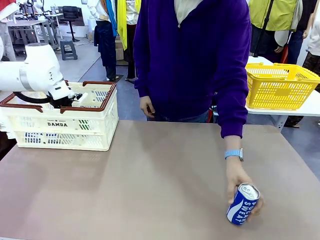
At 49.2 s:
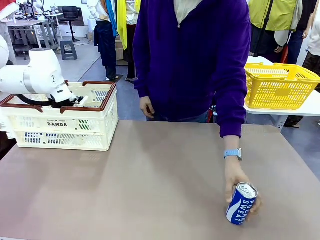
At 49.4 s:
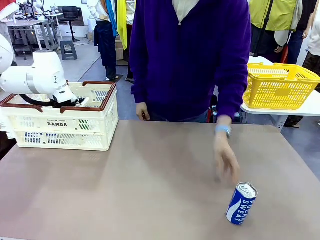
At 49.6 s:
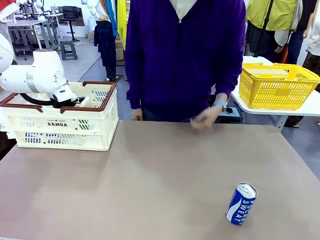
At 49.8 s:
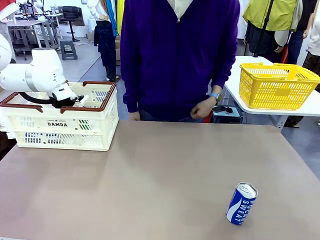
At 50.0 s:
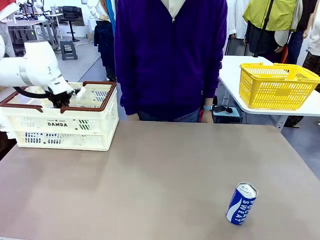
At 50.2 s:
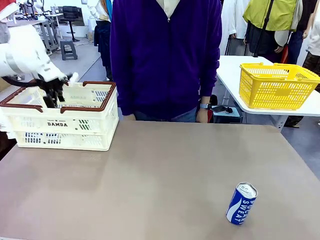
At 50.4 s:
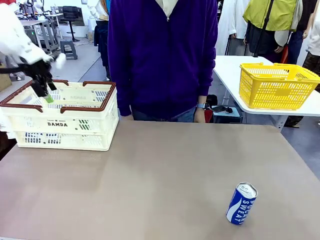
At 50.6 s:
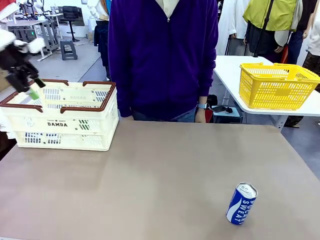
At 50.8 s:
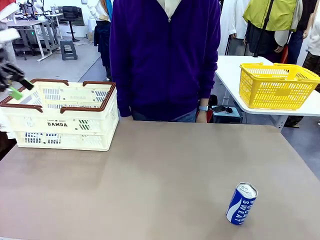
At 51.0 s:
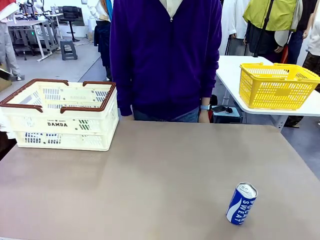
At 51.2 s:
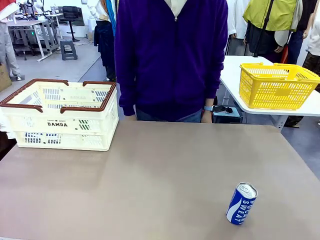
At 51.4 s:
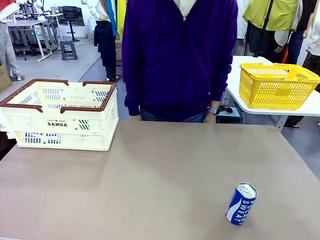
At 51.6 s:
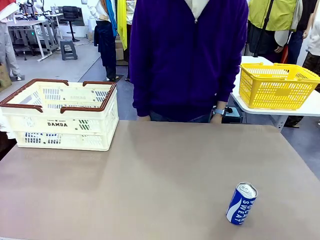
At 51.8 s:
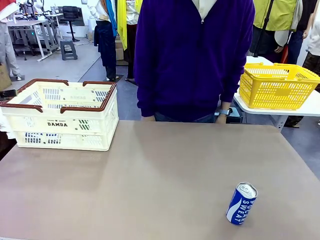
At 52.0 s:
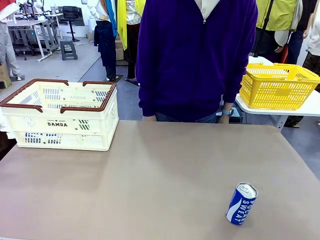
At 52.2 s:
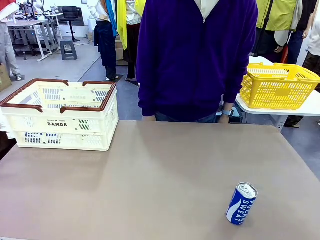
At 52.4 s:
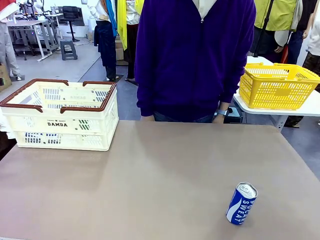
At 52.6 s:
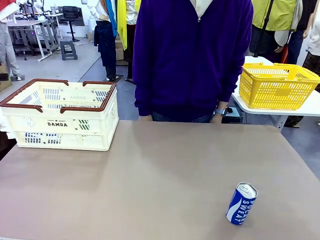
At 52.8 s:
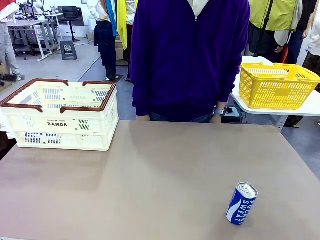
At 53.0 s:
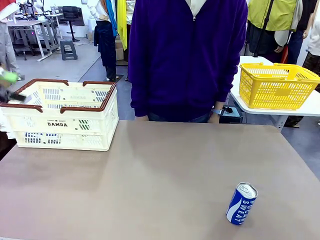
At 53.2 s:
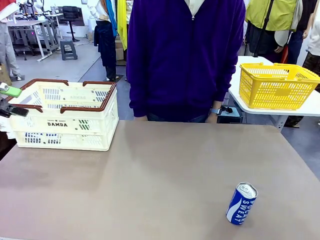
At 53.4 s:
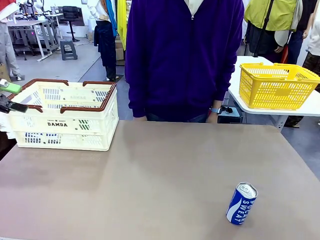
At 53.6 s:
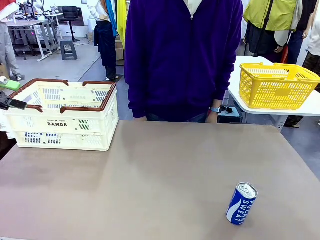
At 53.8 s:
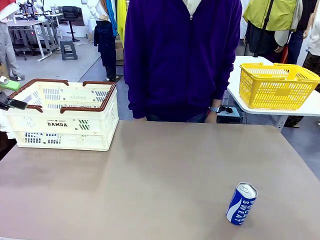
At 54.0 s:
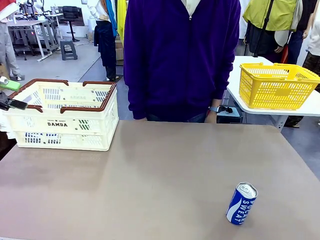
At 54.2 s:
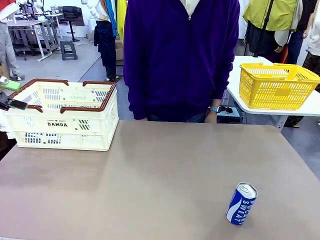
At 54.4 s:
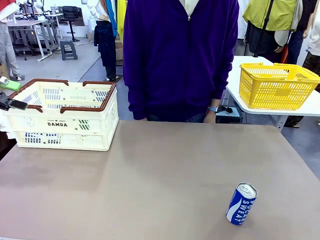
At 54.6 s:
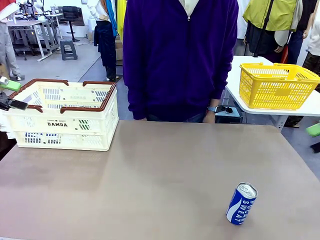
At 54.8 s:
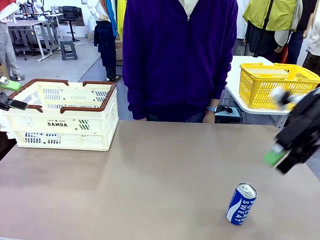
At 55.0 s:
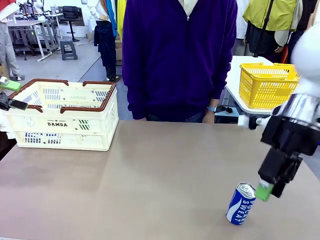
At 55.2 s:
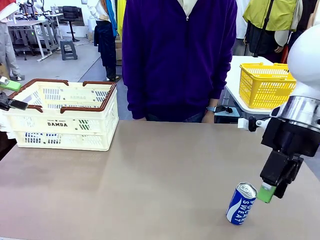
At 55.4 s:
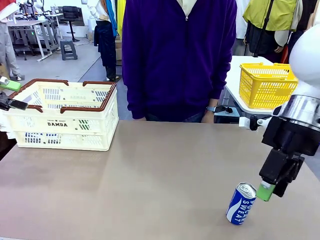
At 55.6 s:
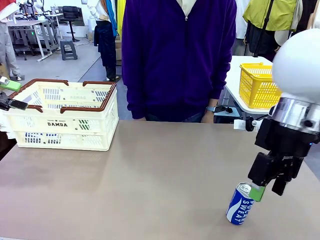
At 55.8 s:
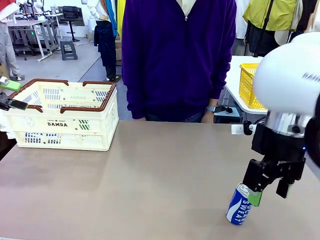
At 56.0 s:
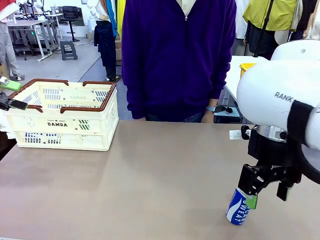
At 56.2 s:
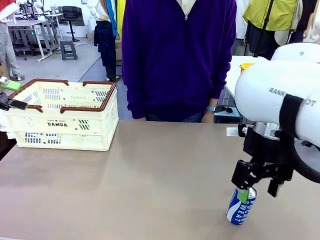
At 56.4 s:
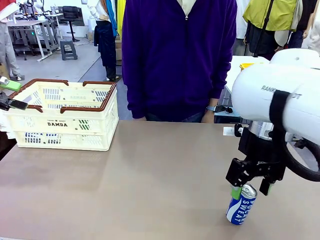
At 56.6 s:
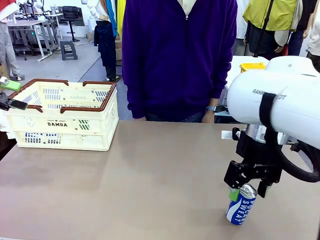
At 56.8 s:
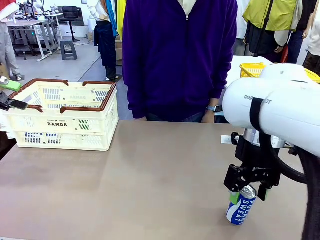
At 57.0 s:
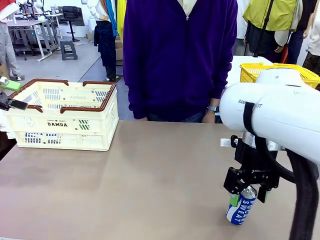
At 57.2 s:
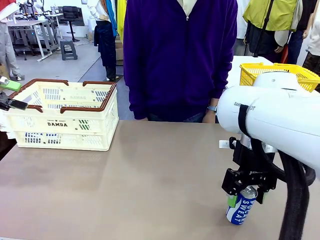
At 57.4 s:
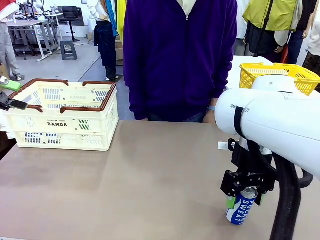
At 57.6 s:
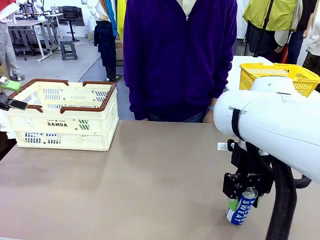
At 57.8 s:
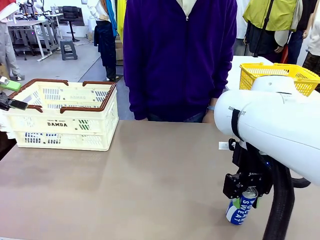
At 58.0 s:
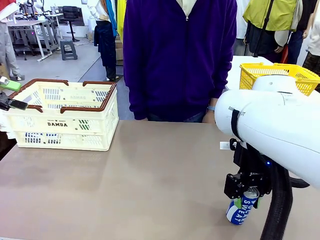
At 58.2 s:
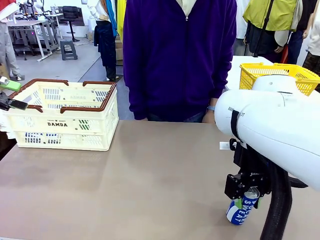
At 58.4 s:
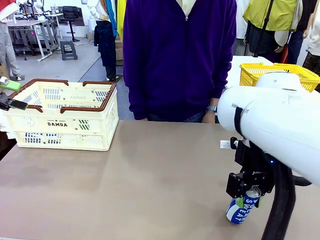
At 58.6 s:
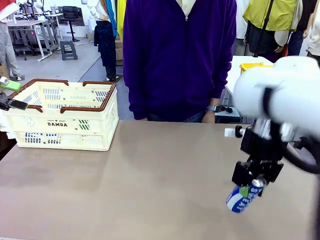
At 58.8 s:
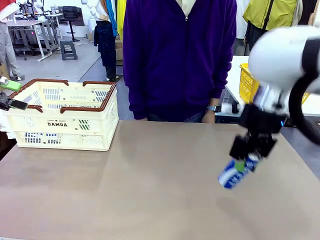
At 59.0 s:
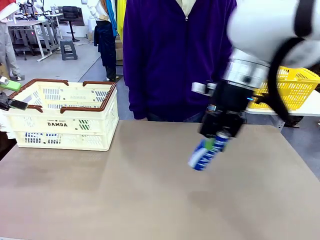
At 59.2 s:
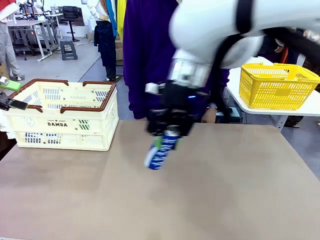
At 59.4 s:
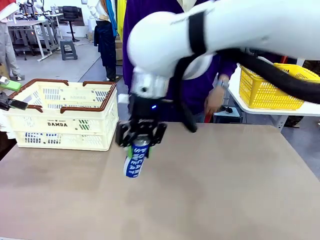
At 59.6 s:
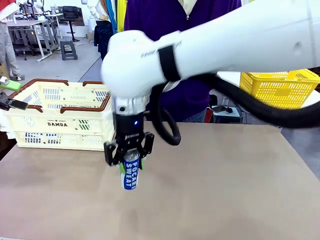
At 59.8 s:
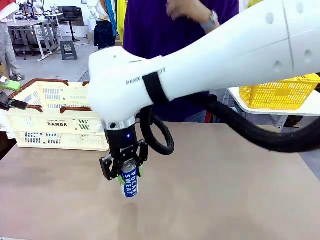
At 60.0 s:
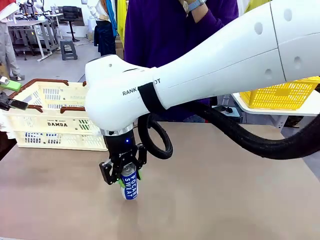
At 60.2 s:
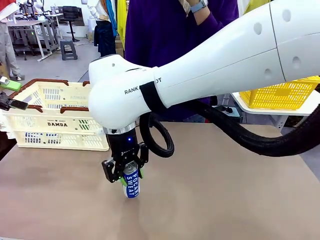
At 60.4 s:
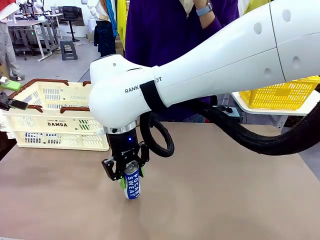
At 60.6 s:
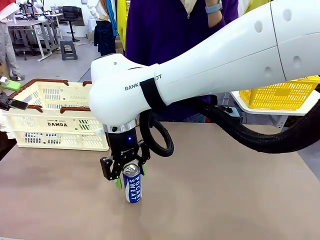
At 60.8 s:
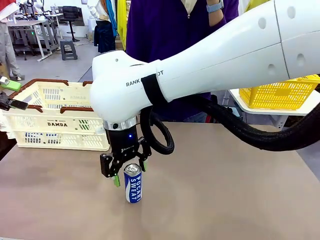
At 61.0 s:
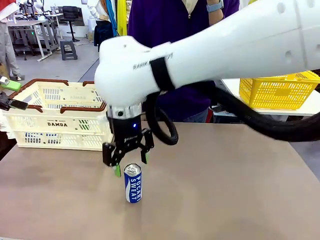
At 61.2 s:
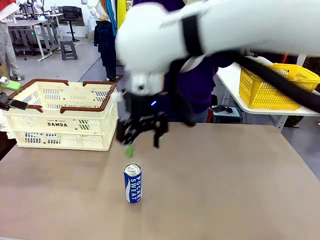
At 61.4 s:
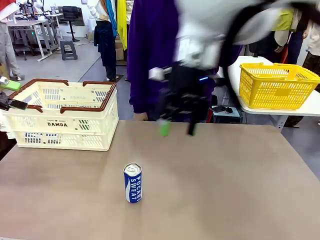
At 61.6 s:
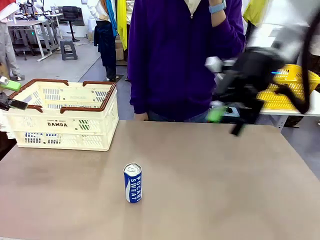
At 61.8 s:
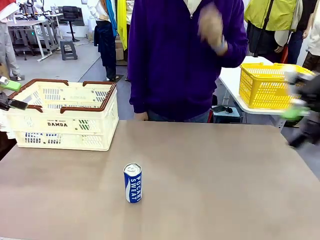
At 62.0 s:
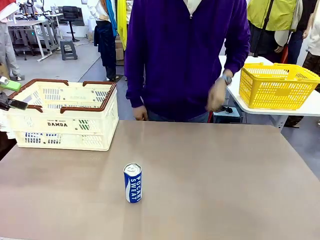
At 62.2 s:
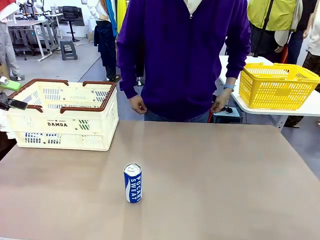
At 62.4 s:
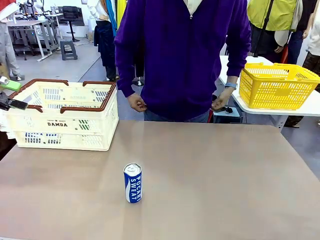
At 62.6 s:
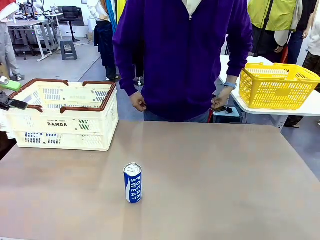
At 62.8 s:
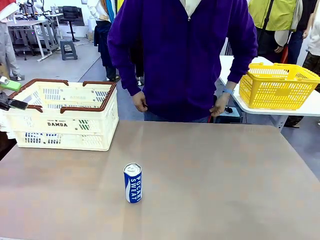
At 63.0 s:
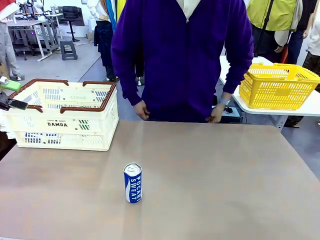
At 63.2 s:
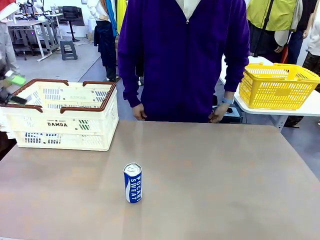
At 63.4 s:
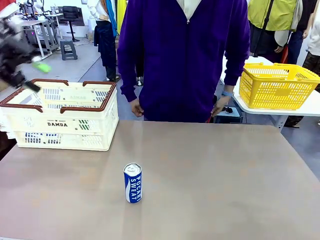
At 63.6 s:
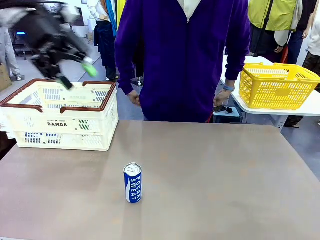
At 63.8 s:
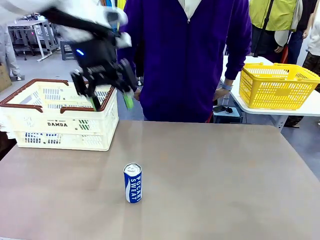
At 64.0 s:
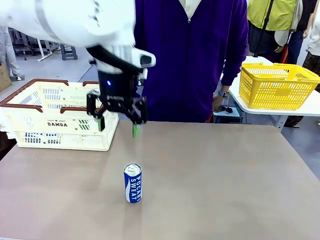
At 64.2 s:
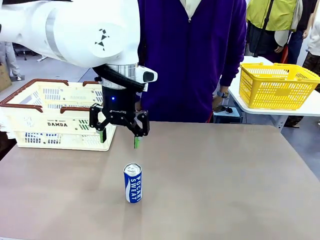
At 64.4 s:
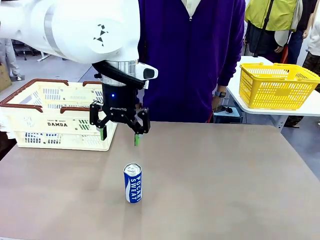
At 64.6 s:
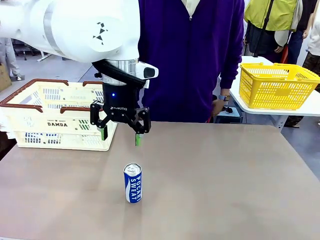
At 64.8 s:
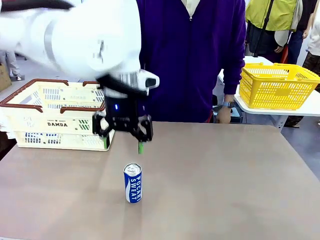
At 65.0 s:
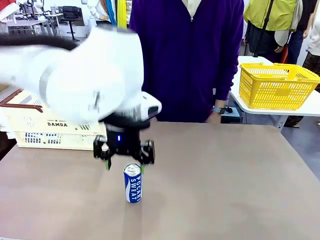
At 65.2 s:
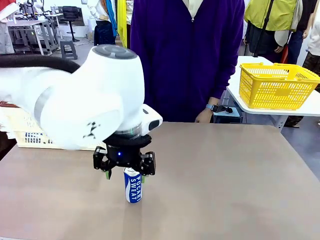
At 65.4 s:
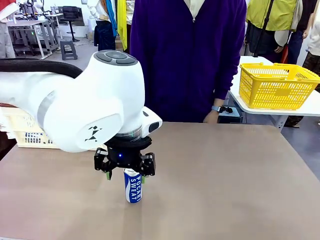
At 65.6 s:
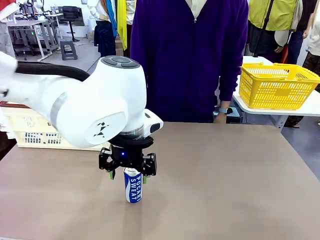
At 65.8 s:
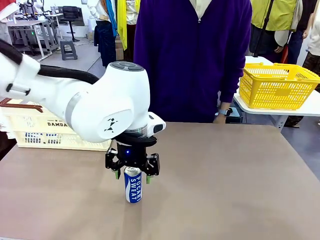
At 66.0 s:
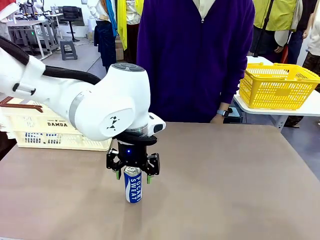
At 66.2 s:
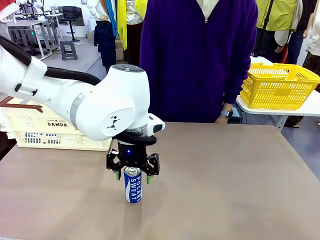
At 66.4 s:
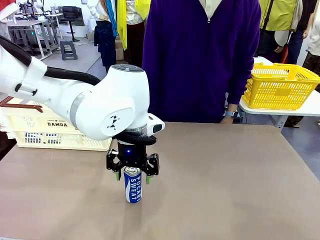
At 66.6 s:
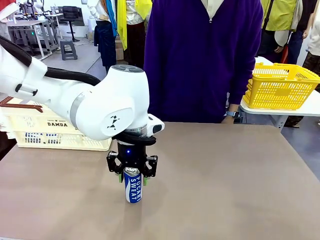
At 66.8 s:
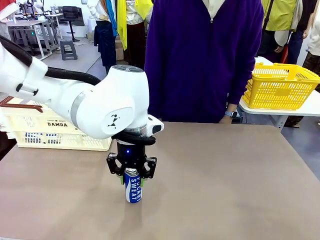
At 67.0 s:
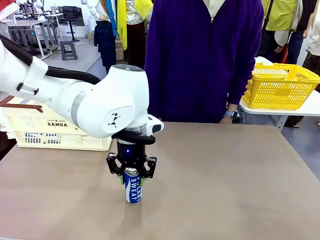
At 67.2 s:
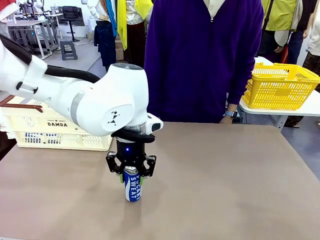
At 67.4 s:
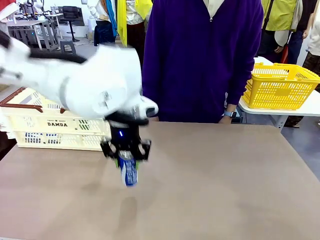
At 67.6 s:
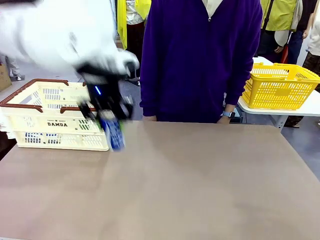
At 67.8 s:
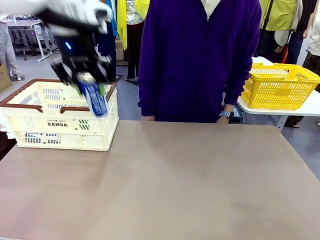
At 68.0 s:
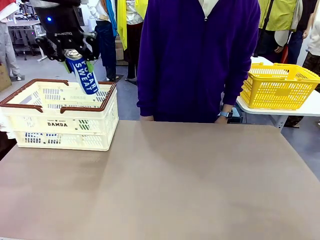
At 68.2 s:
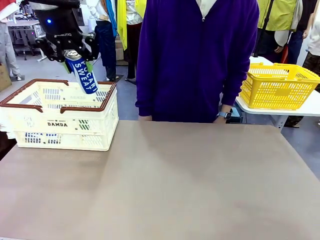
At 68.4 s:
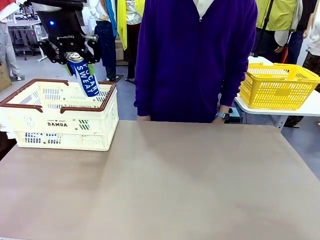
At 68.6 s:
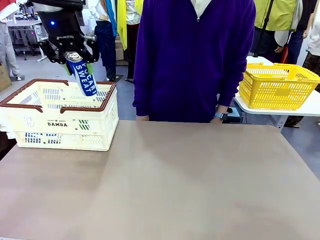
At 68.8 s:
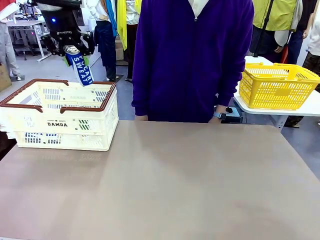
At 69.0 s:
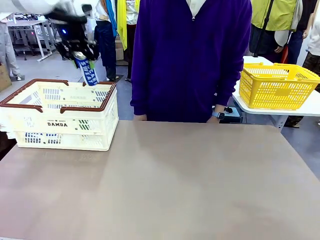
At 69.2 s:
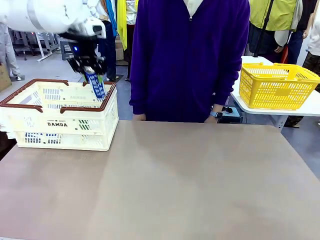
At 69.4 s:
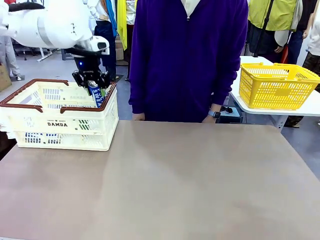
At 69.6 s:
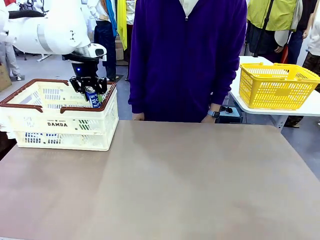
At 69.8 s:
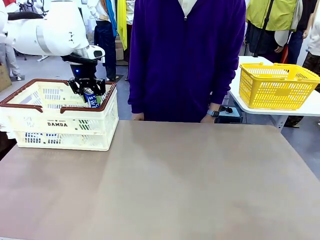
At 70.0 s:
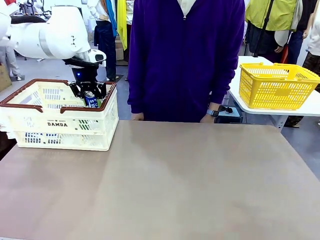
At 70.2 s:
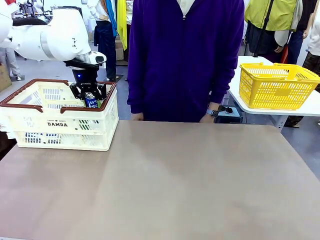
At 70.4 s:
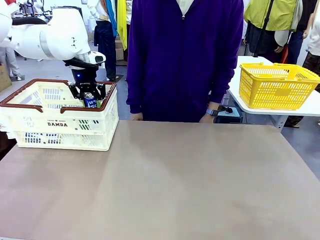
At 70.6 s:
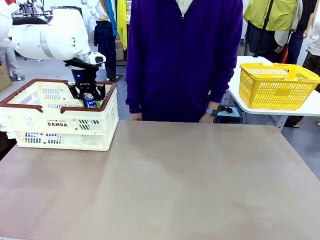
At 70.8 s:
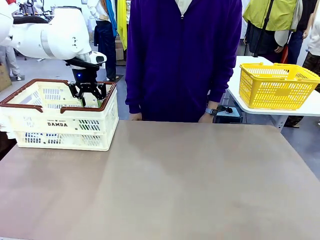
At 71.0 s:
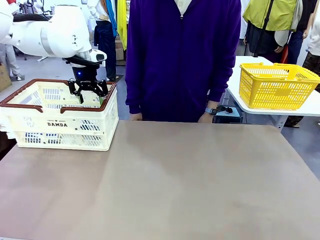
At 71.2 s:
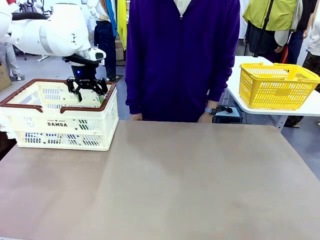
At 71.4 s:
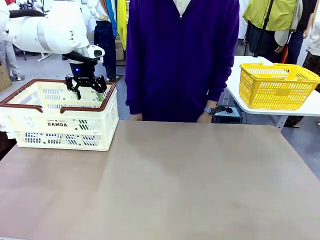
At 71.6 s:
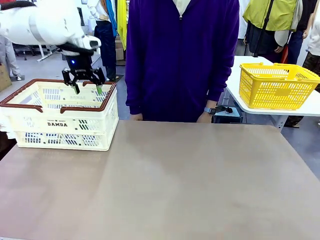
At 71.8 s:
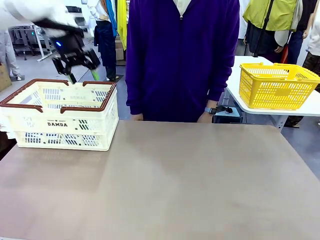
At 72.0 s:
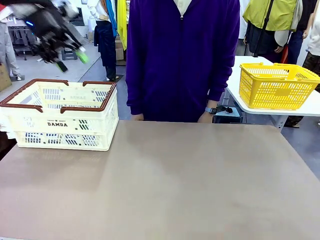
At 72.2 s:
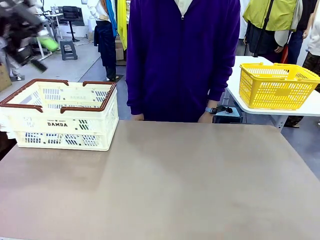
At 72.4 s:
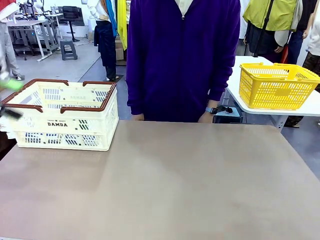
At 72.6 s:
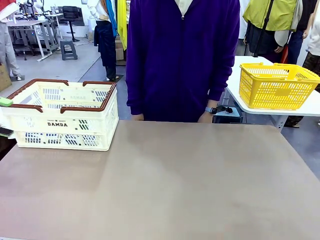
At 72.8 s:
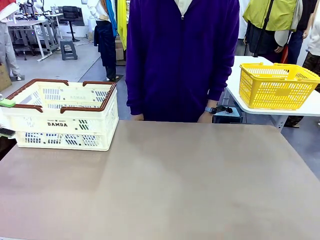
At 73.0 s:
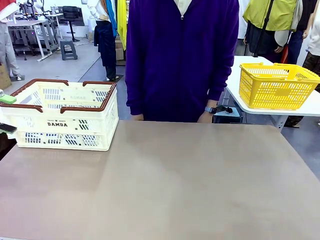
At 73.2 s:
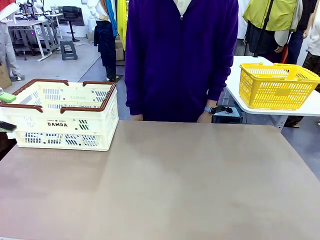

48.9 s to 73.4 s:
Task: Place the drinks into the Shopping basket.
Robot: Pick up one drink and place it into the Shopping basket.
